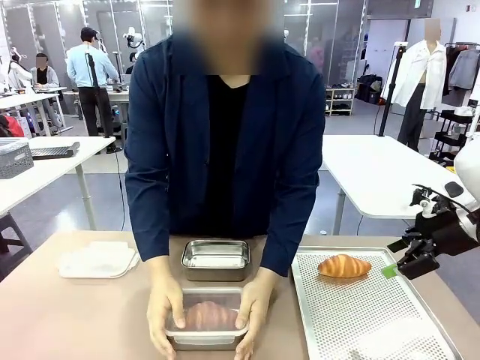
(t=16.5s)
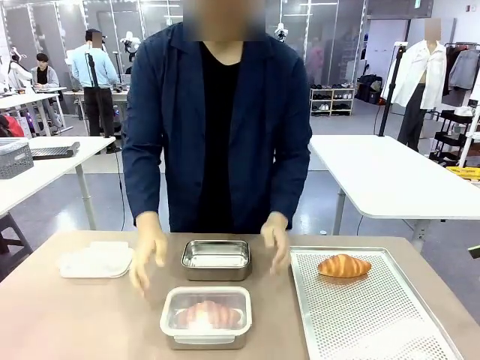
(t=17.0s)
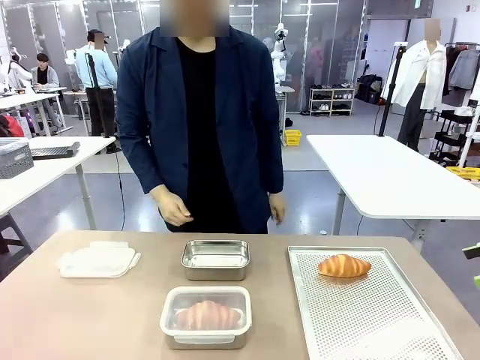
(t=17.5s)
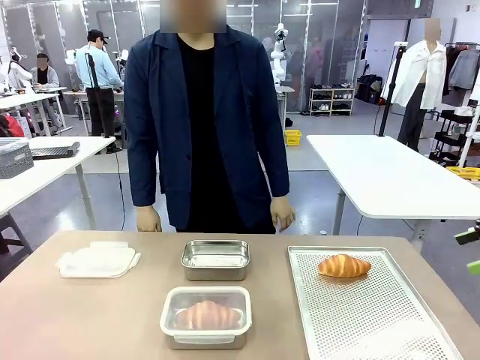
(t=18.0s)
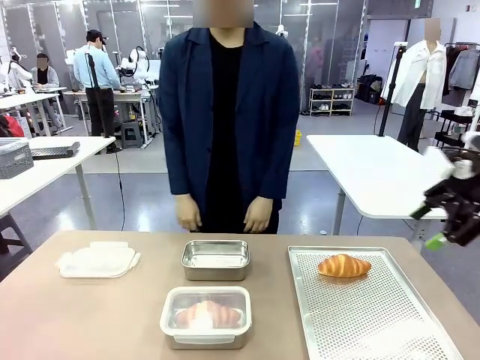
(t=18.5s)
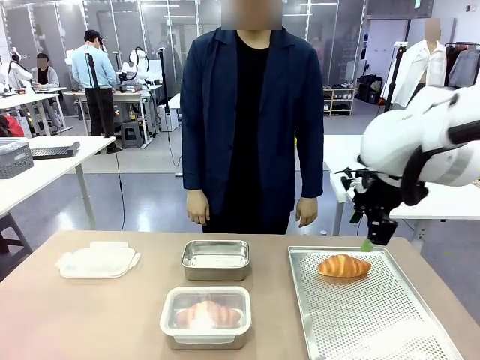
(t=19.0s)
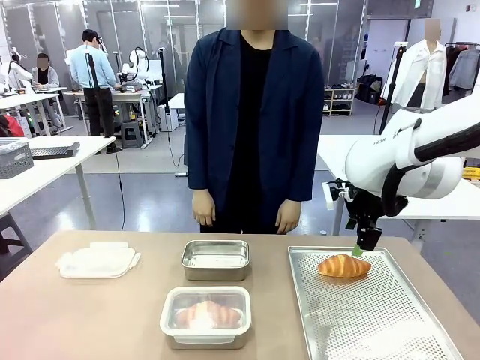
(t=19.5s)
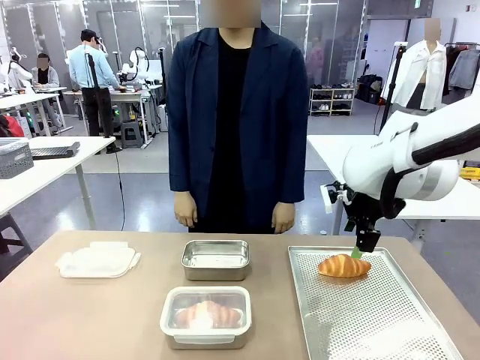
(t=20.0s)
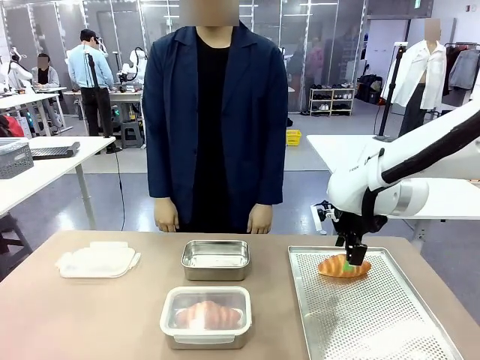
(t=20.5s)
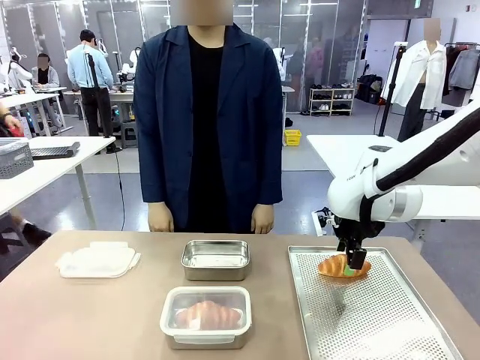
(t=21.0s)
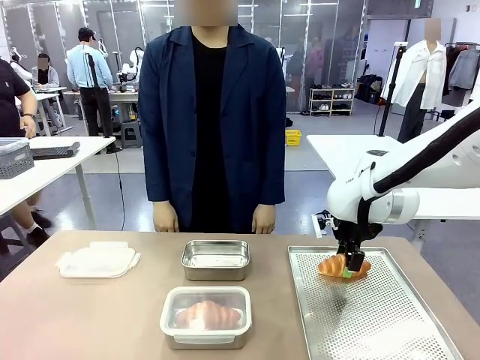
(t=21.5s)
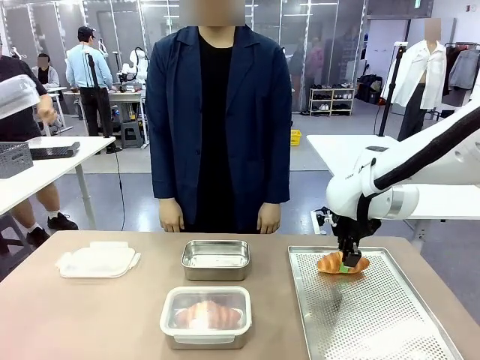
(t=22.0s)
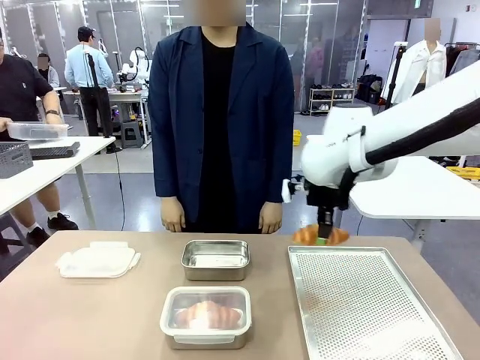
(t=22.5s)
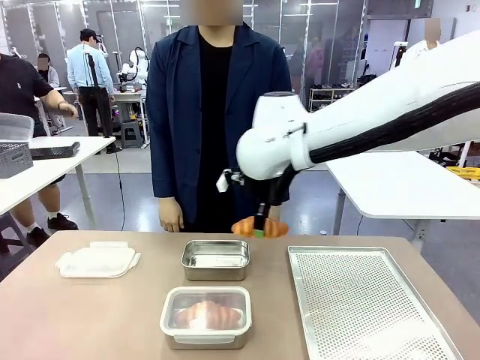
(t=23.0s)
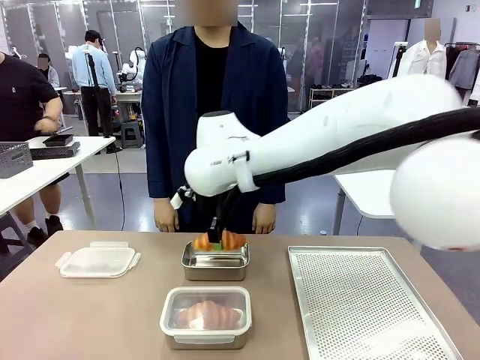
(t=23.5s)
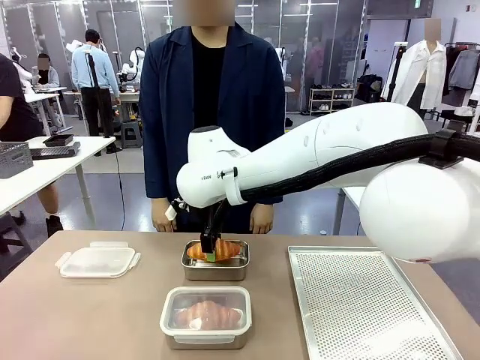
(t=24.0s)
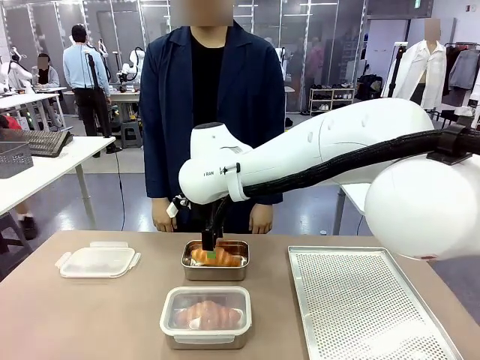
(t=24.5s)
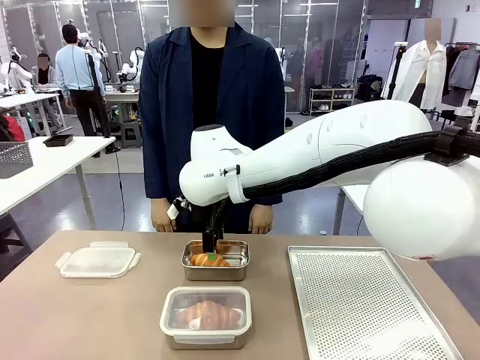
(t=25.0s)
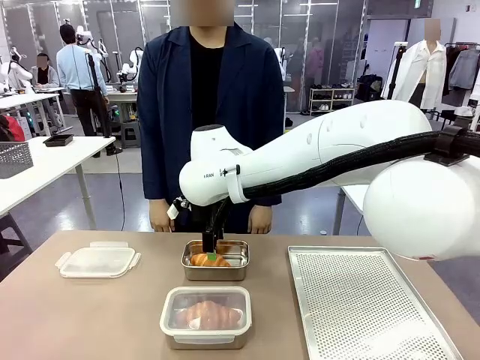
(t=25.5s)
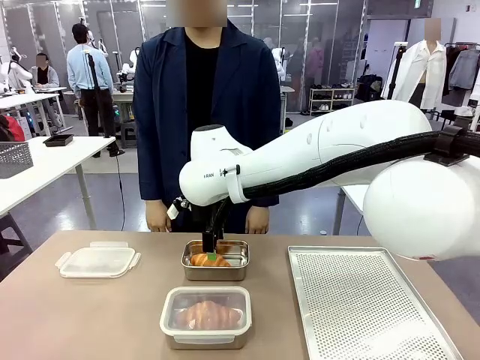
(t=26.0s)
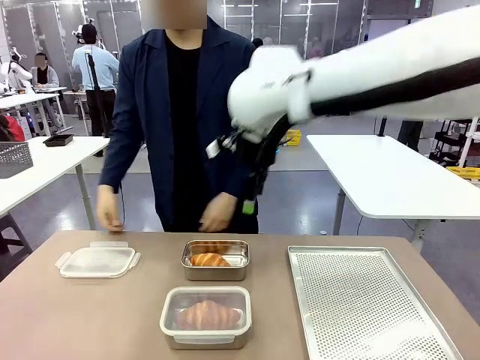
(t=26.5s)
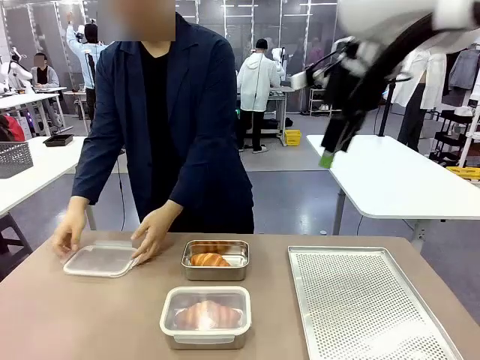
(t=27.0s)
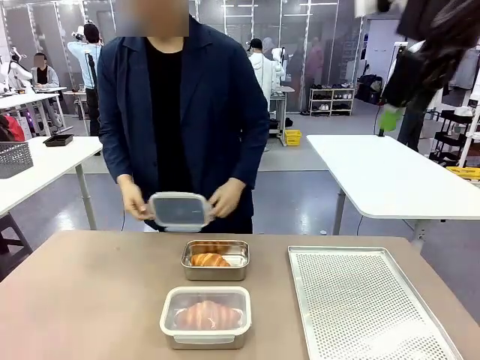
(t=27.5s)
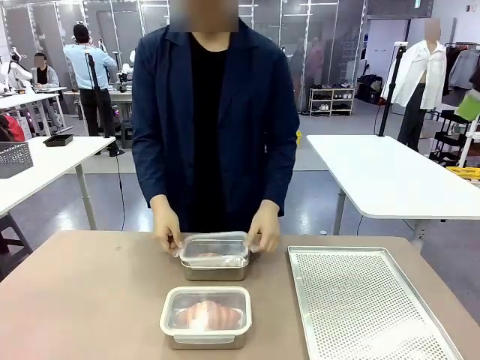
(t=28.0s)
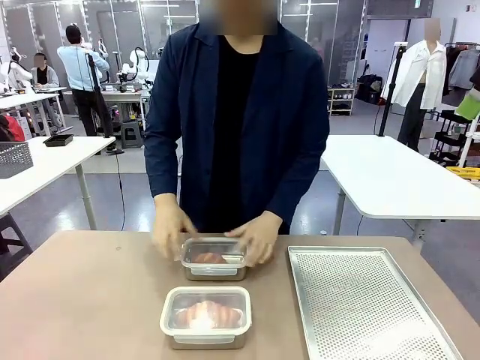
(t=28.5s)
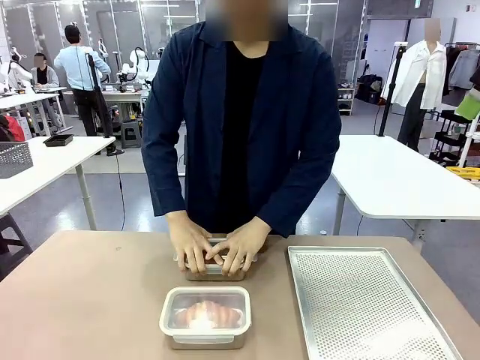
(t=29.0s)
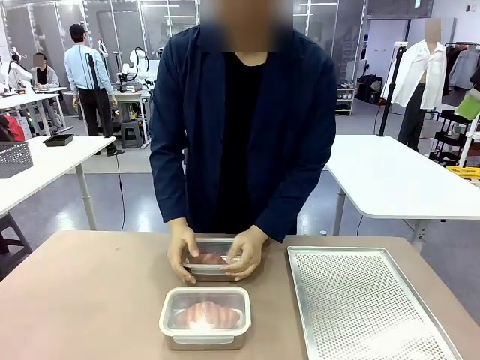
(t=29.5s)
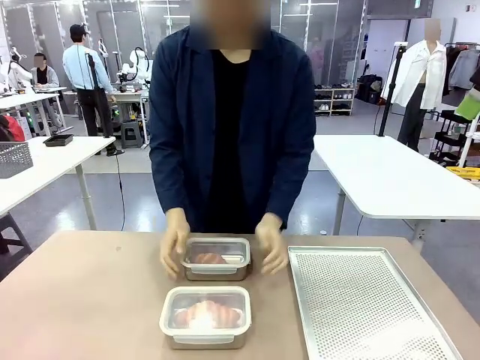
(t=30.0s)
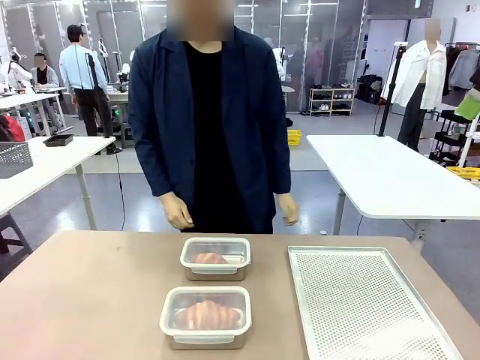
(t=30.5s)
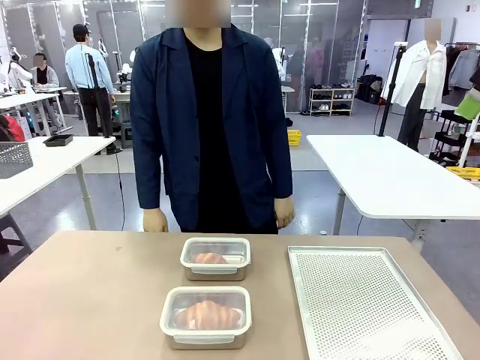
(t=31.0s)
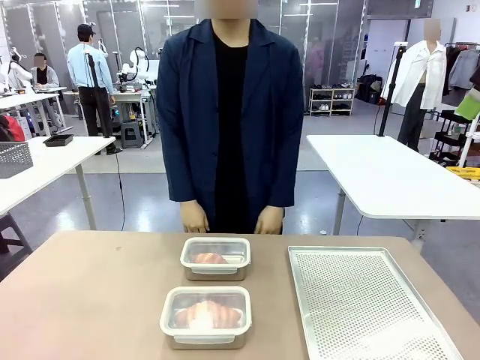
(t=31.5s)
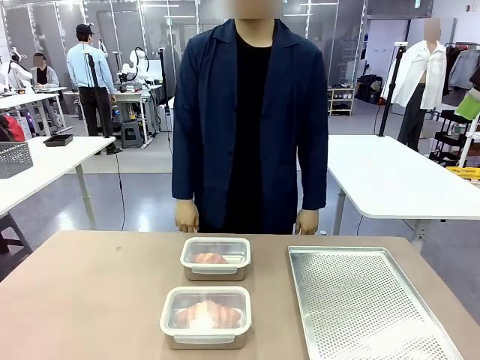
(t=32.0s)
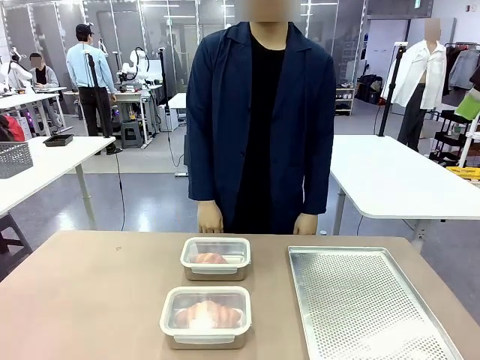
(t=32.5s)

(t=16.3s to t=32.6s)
Task: Place the bread into the airtight container.
Robot: Pick up a Butter Roll and place it into an empty Airtight Container.
